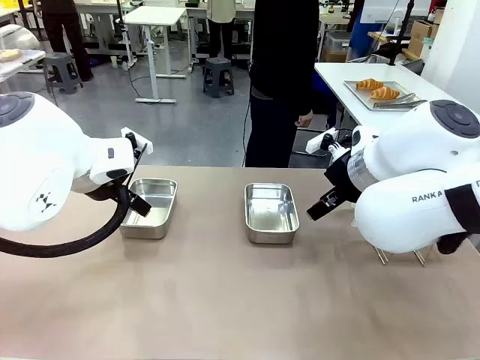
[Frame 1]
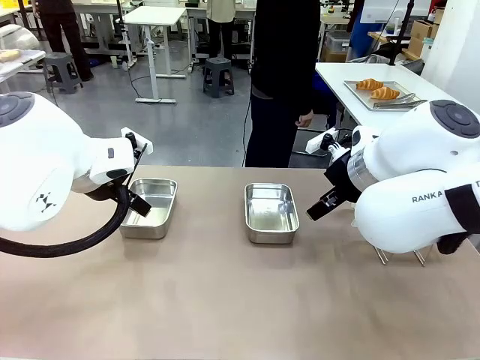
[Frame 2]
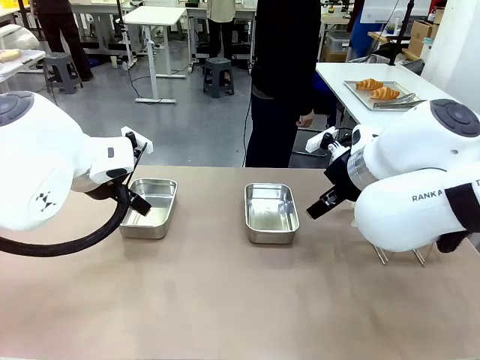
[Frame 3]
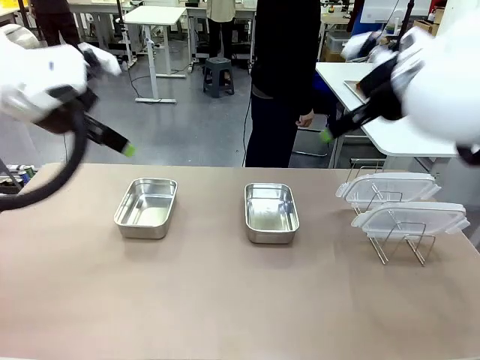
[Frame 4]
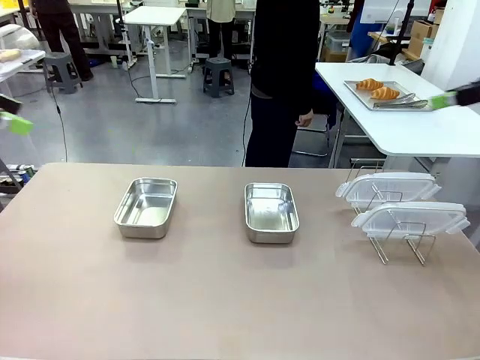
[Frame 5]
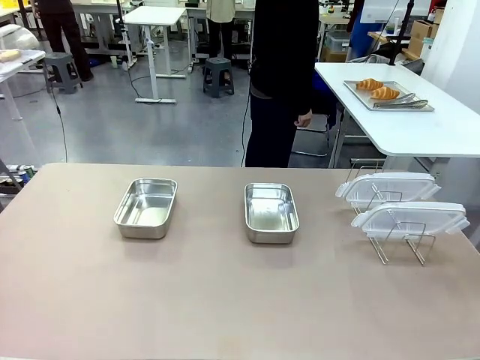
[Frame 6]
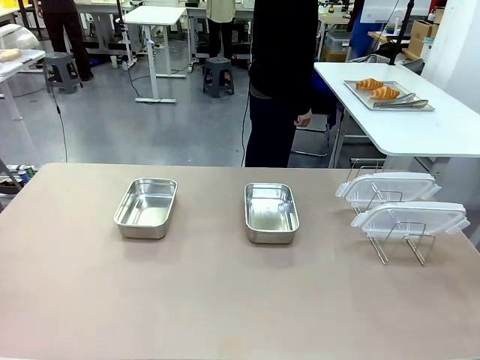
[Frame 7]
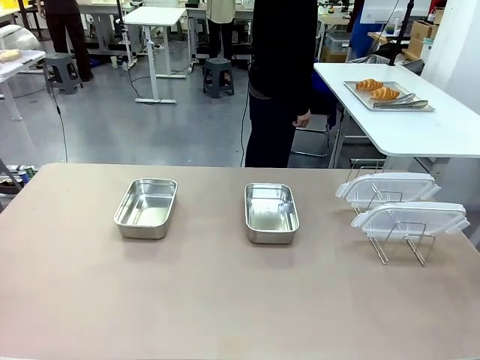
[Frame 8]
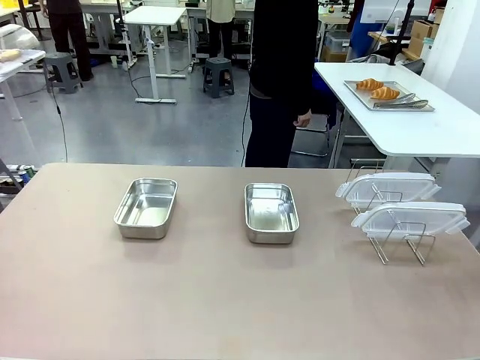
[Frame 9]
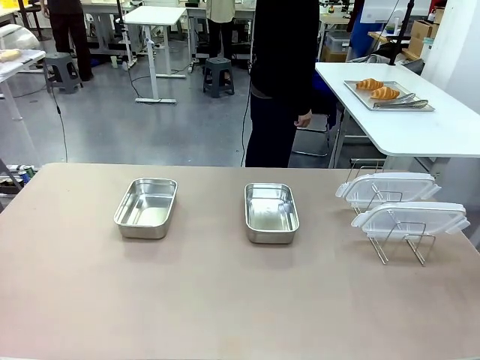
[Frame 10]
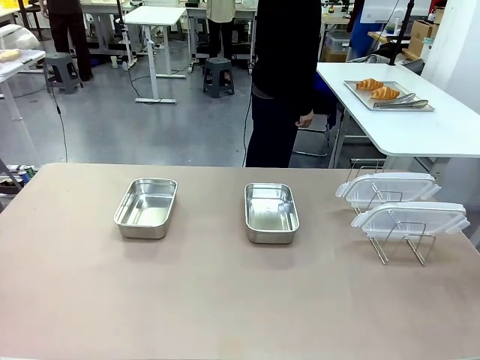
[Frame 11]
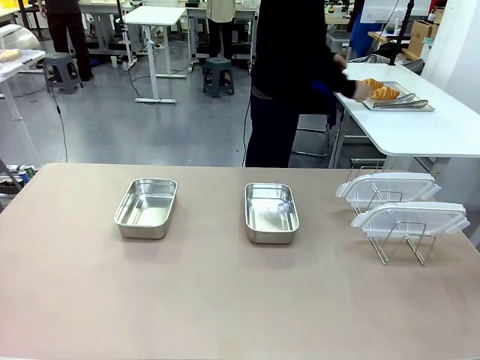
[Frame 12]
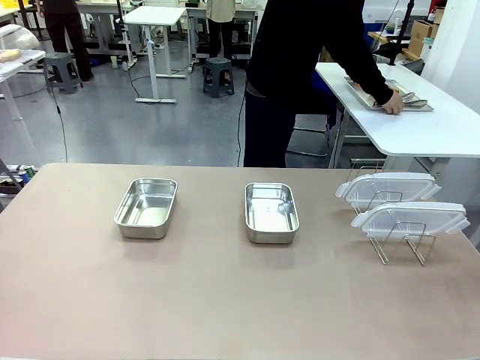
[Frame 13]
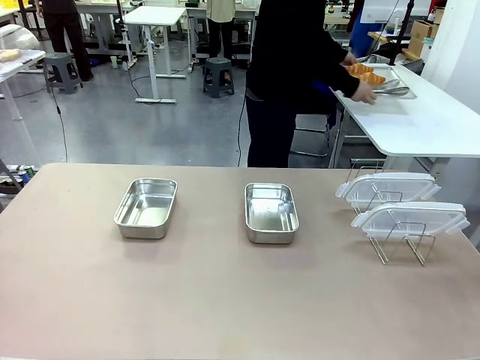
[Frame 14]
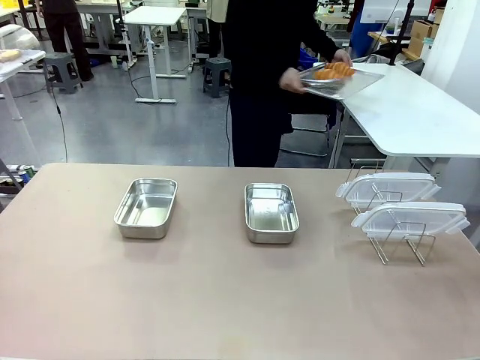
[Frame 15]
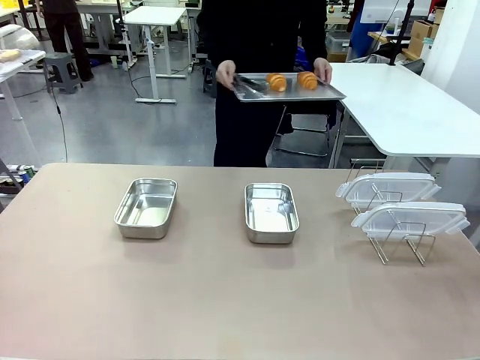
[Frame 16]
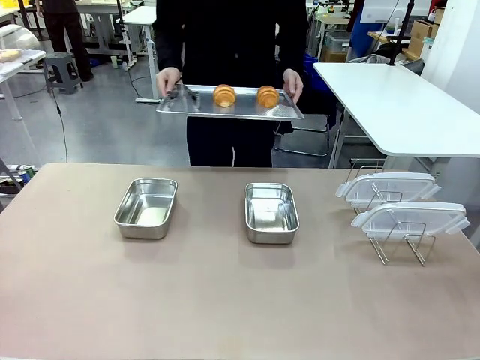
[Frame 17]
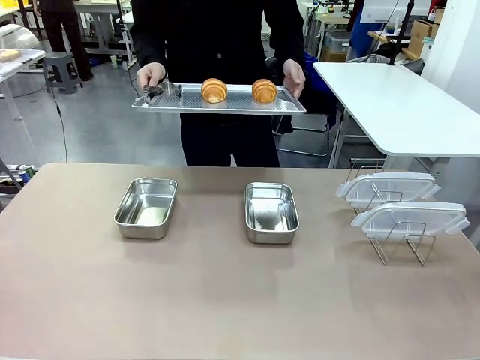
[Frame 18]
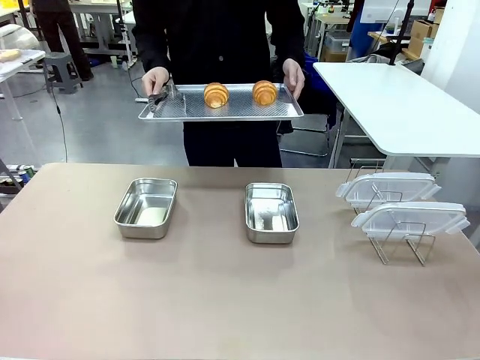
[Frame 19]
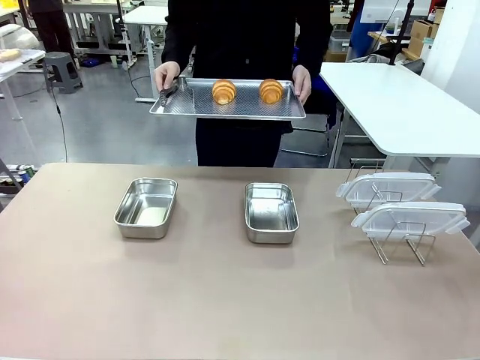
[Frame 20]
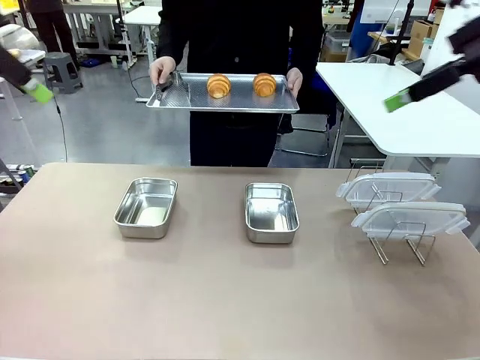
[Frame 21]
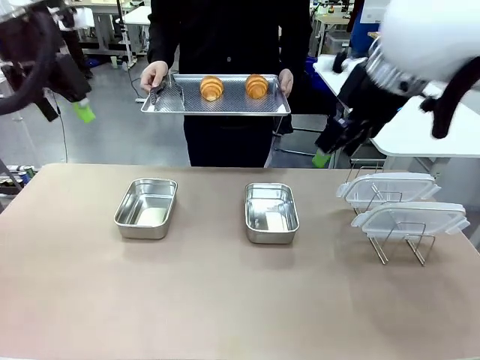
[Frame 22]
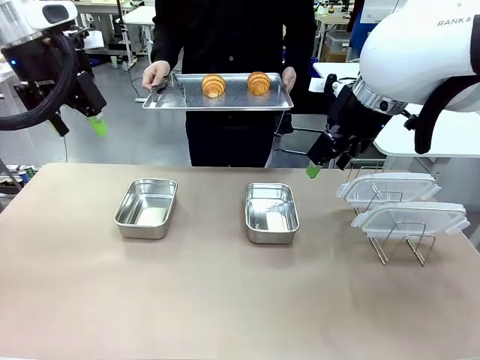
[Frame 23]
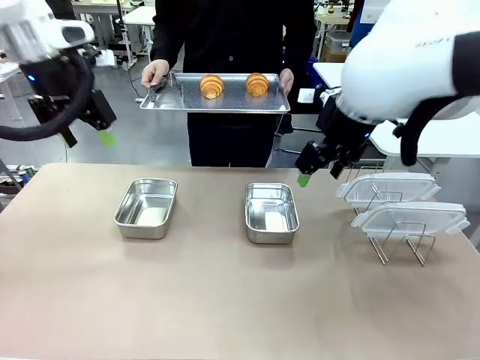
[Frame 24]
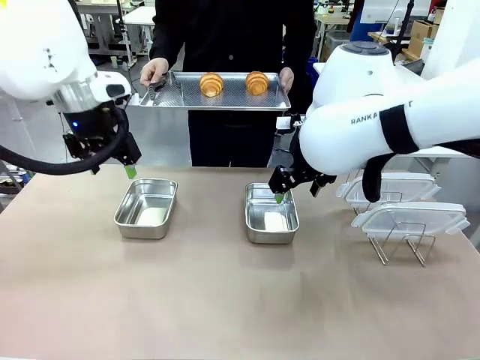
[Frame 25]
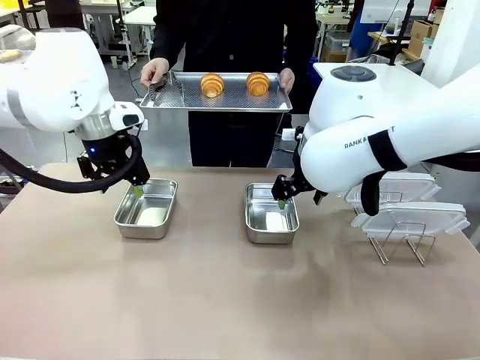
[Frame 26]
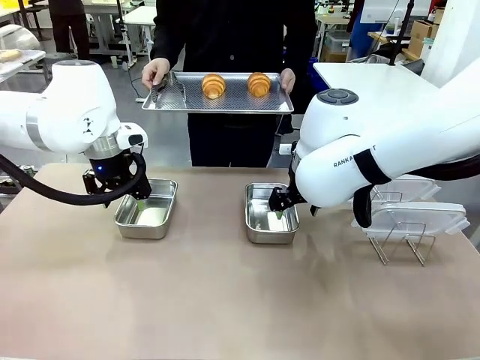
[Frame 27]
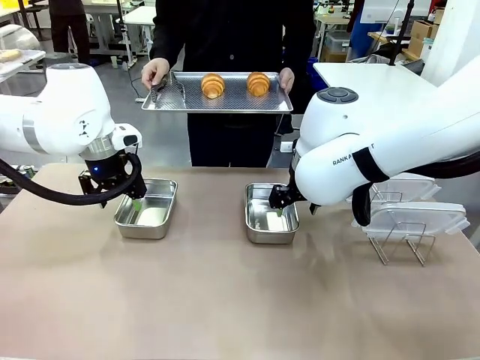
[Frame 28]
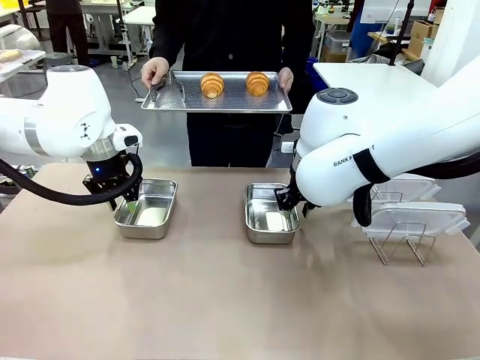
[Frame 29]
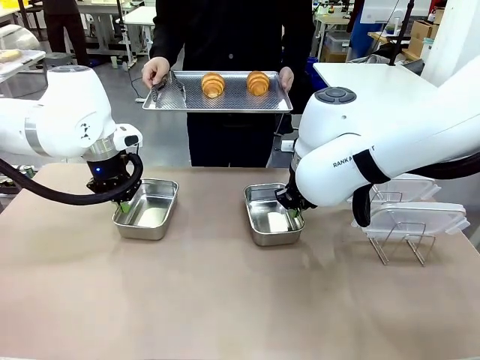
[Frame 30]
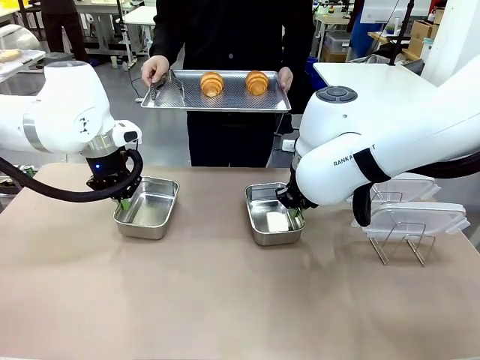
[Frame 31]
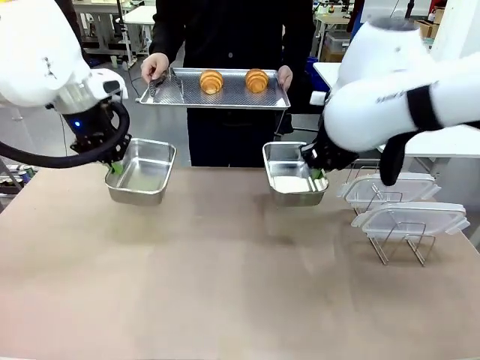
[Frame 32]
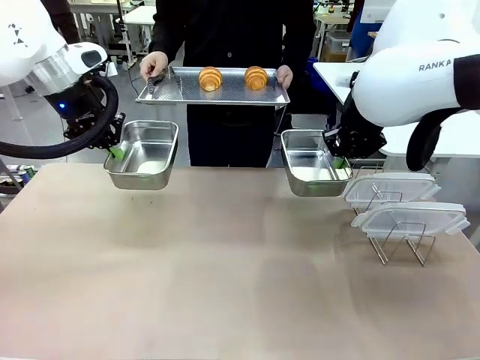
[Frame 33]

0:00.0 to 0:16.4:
Task: Place the bread in airtight containers.
Robot: Lift both Airtight Container.
Person: Bring the Baking Sheet in front of Robot's Table.

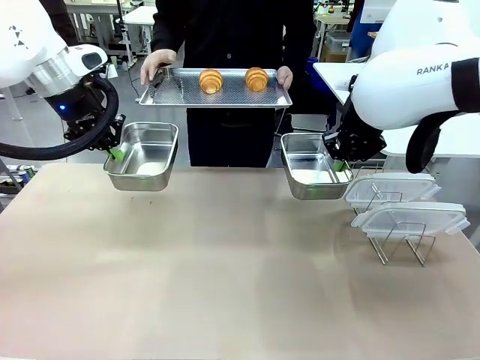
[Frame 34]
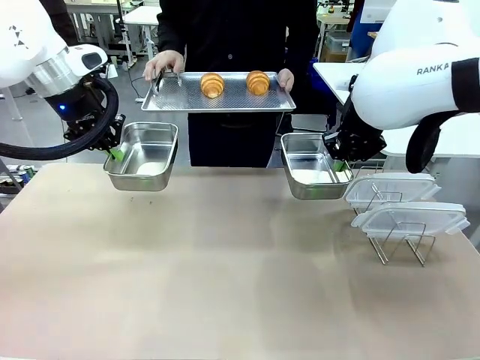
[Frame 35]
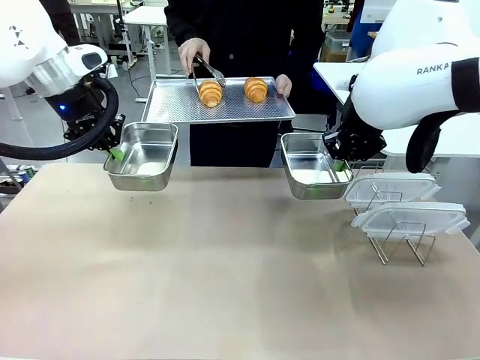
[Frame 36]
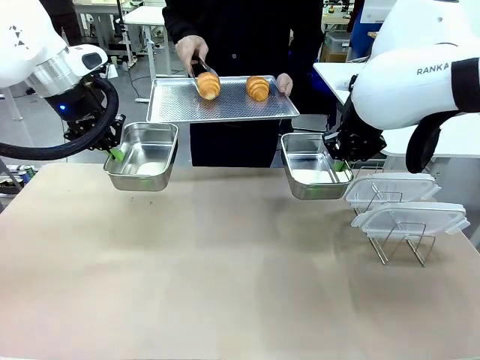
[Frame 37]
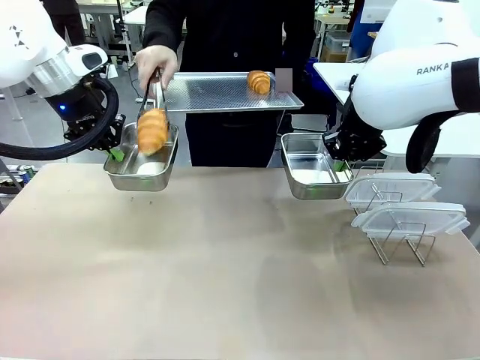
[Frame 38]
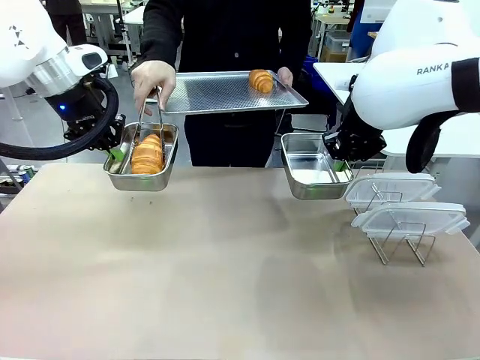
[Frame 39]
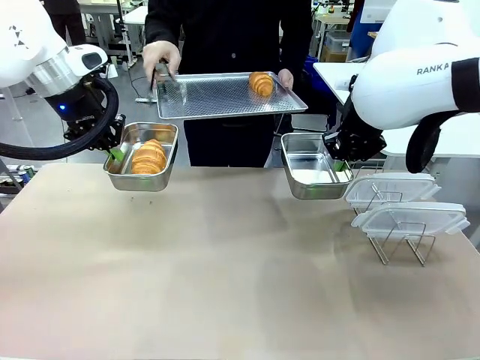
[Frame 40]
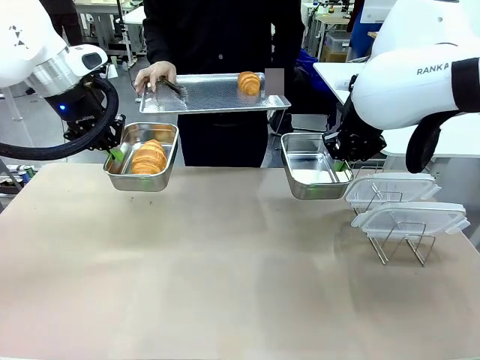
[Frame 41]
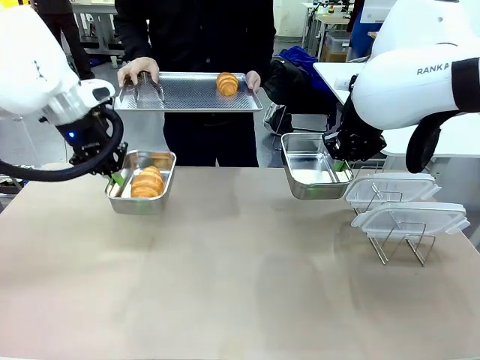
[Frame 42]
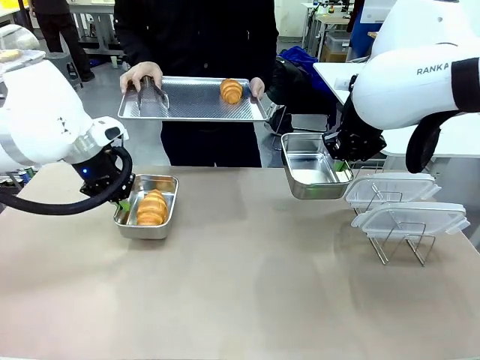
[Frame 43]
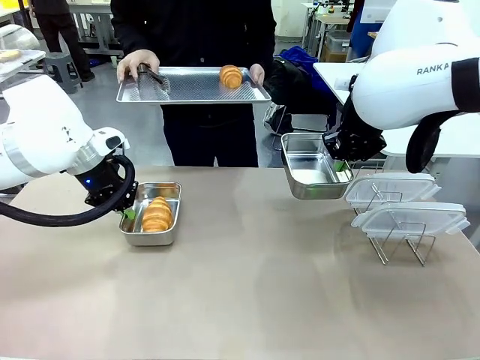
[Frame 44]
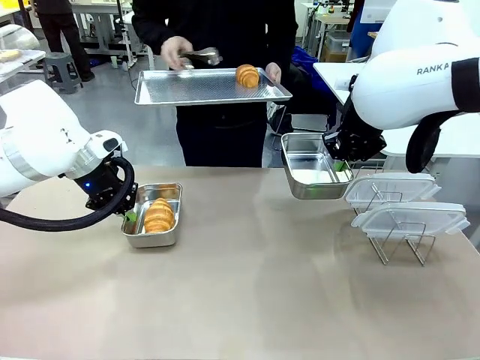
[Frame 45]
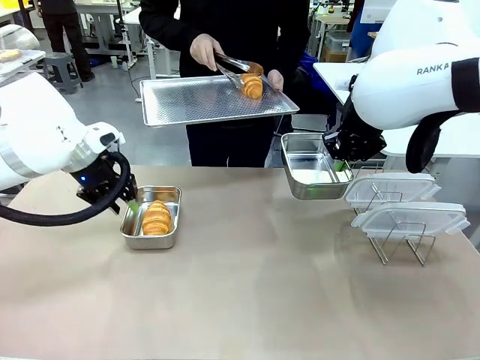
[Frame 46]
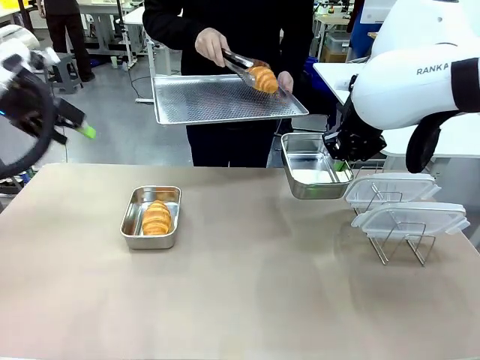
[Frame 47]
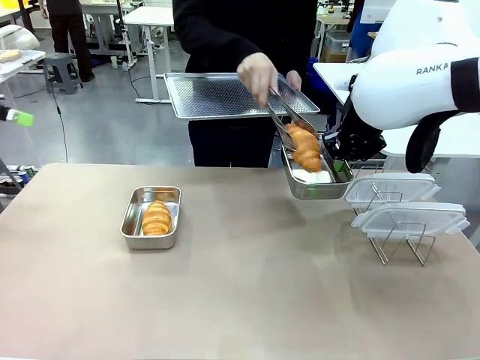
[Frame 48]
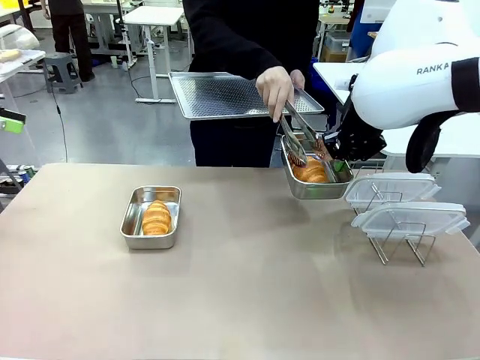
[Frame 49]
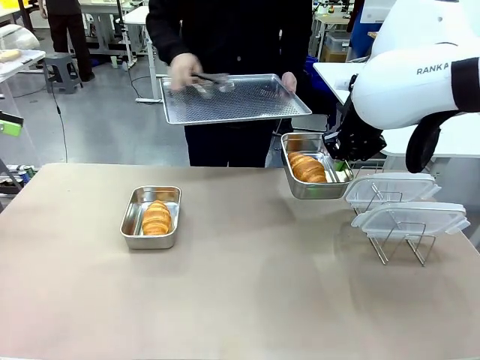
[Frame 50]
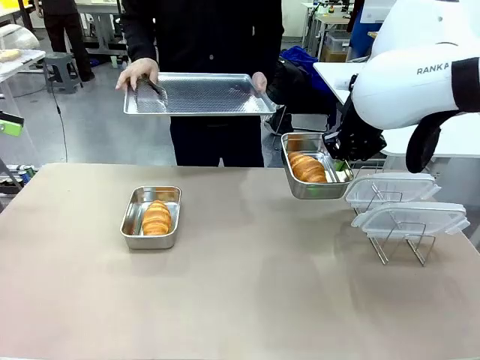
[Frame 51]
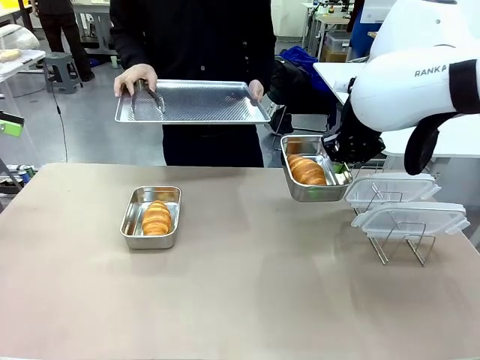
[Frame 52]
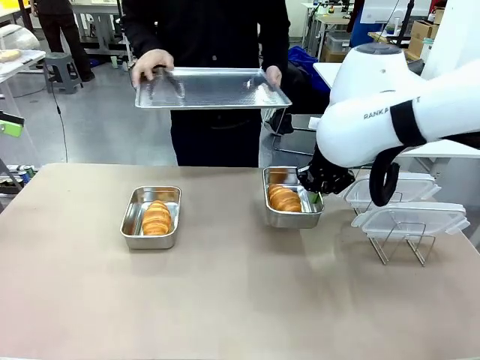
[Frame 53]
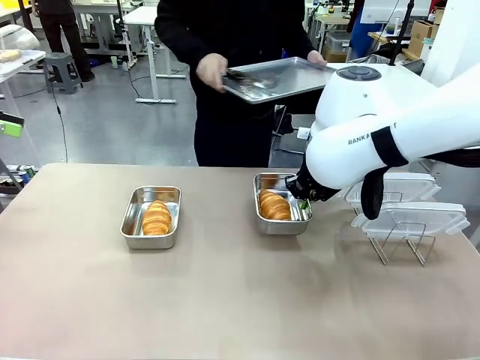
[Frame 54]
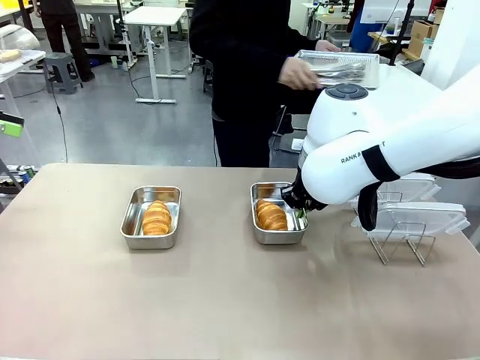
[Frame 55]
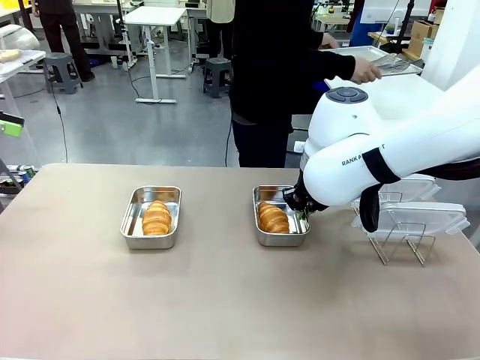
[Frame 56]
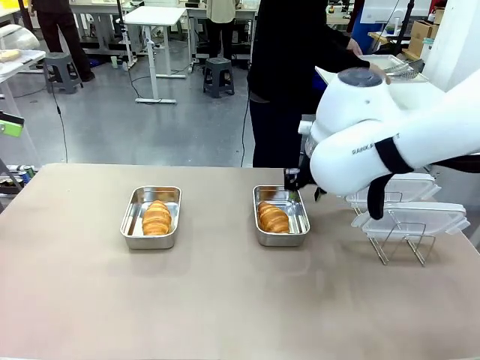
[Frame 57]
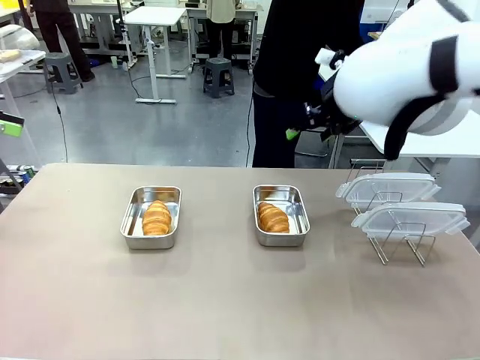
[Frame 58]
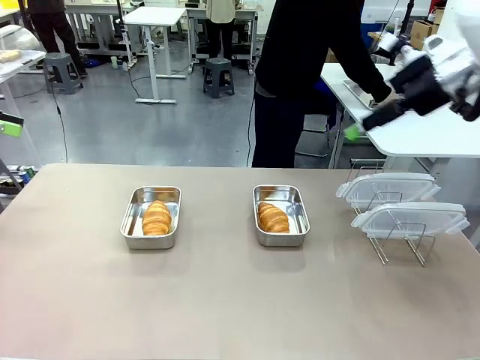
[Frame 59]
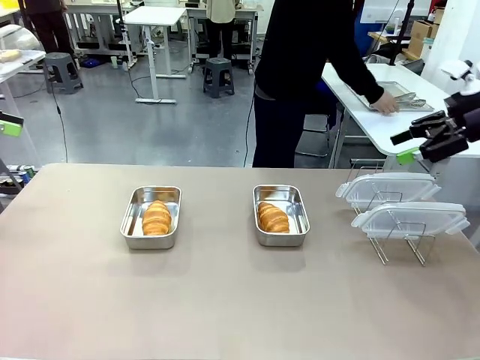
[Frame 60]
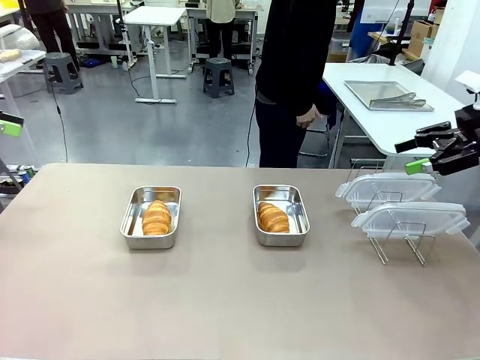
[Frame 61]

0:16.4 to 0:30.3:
Robot: Once an object is inside an Airtight Container , place the container in the center of the table.
Person: Use the Stainless steel tongs to place one object from Baking Sheet into one Airtight Container. Place Baking Sheet on the Human's Table.
